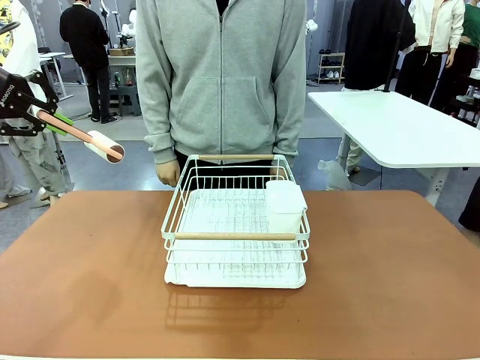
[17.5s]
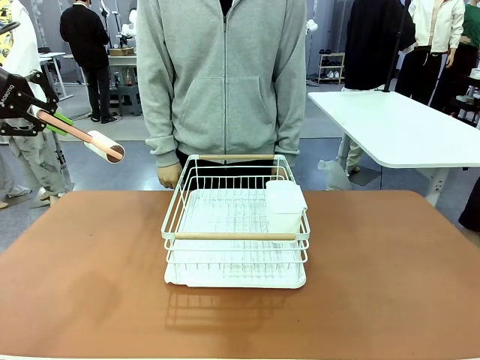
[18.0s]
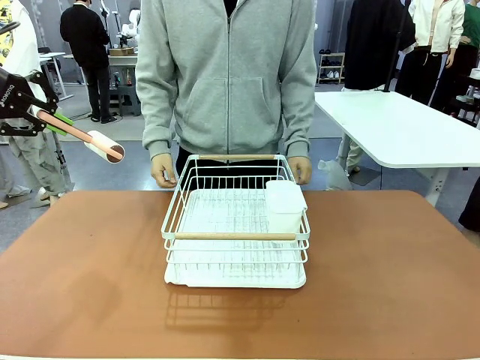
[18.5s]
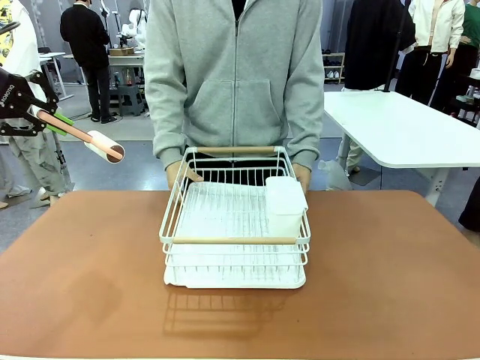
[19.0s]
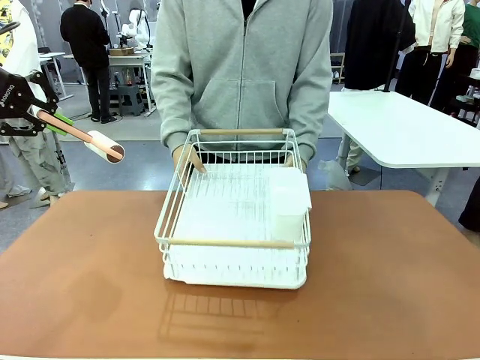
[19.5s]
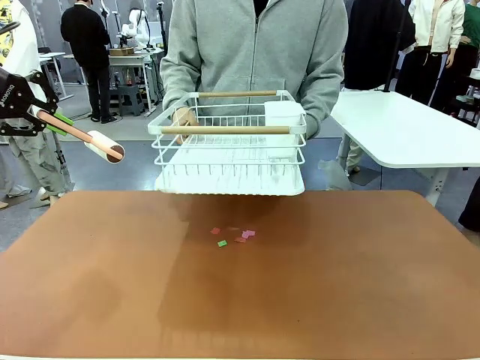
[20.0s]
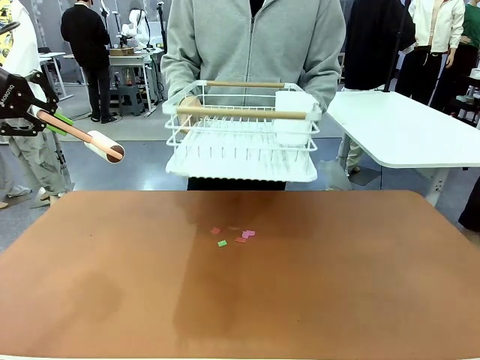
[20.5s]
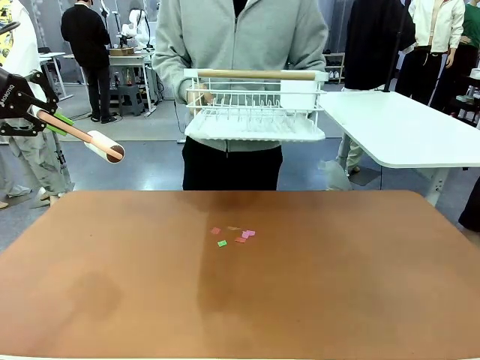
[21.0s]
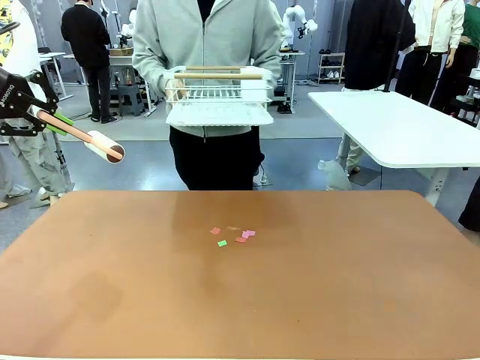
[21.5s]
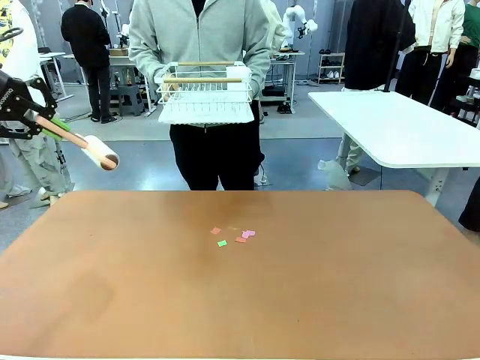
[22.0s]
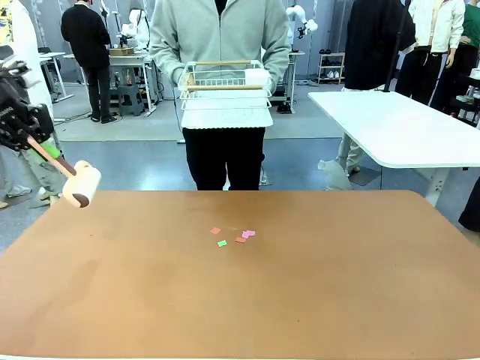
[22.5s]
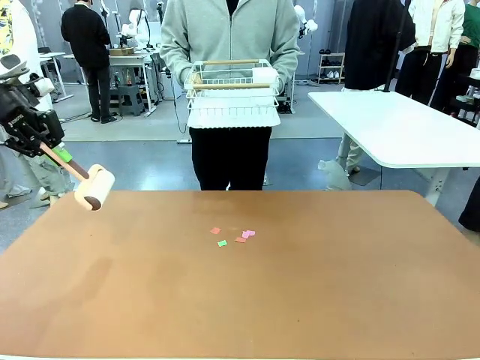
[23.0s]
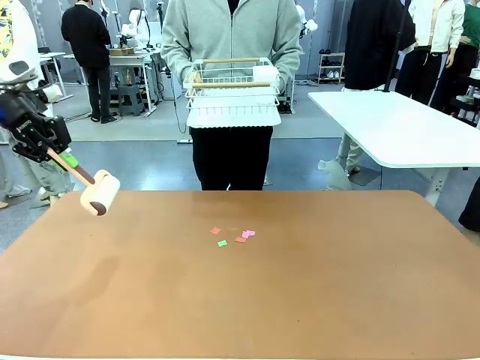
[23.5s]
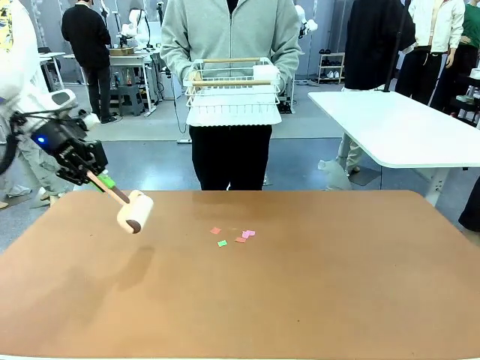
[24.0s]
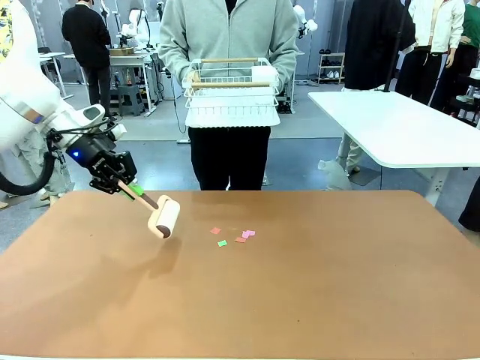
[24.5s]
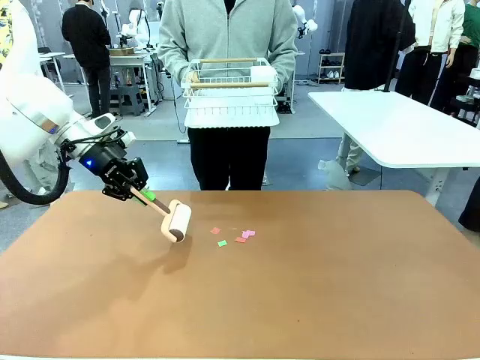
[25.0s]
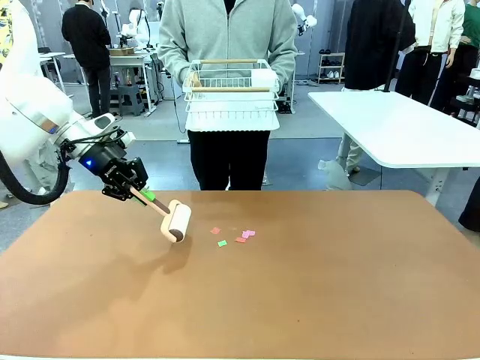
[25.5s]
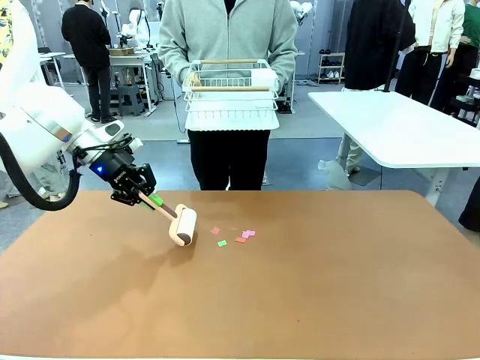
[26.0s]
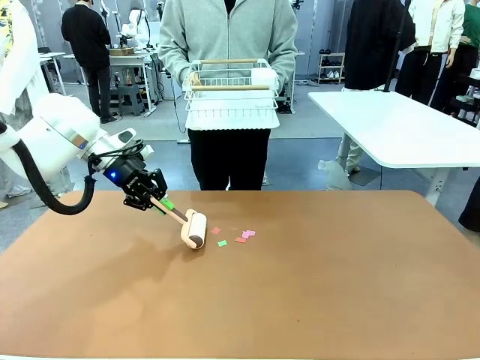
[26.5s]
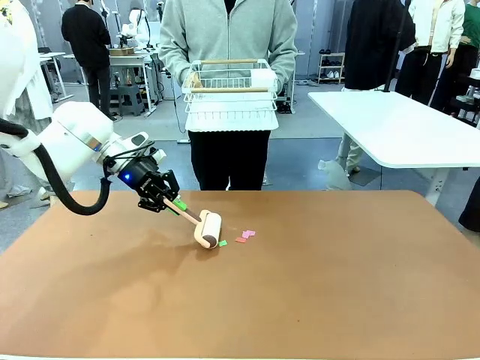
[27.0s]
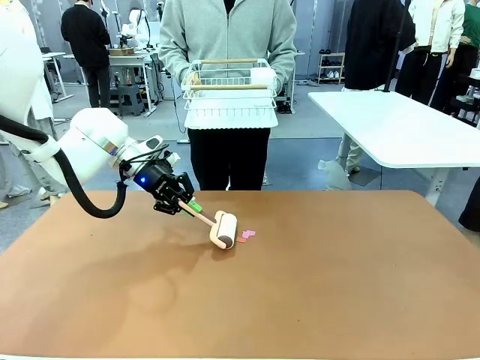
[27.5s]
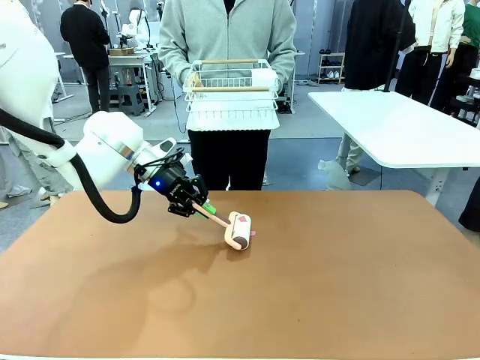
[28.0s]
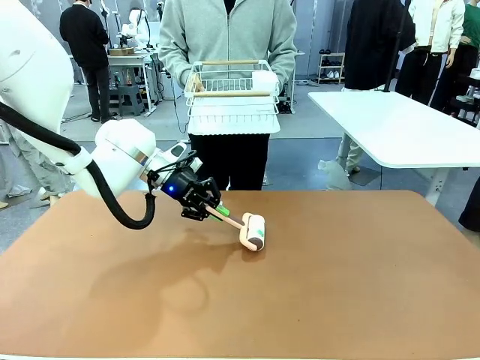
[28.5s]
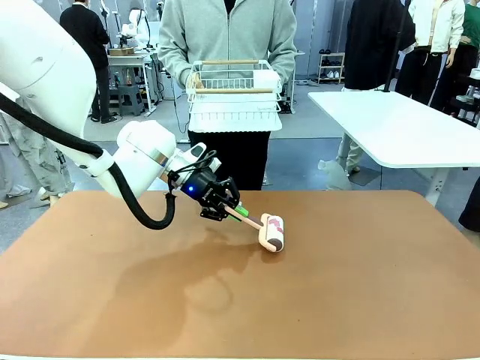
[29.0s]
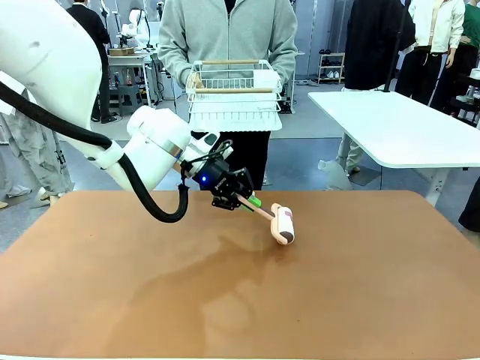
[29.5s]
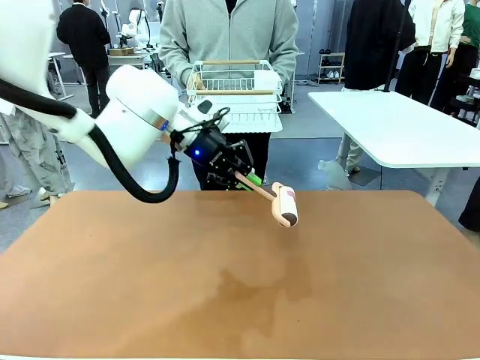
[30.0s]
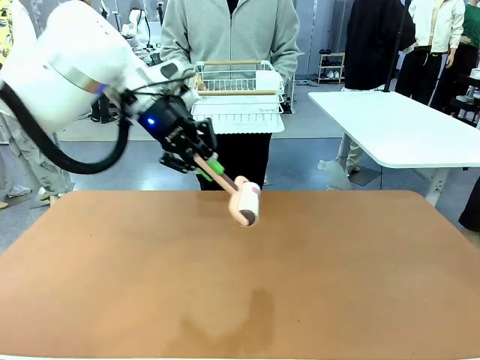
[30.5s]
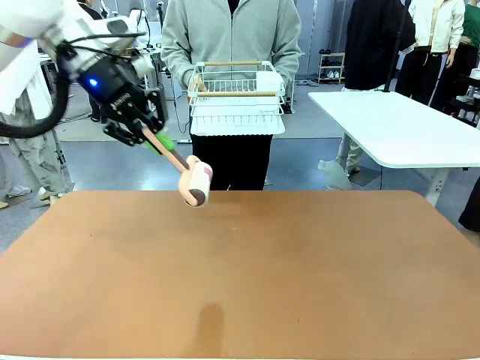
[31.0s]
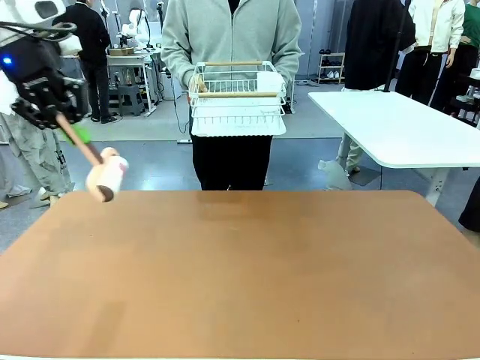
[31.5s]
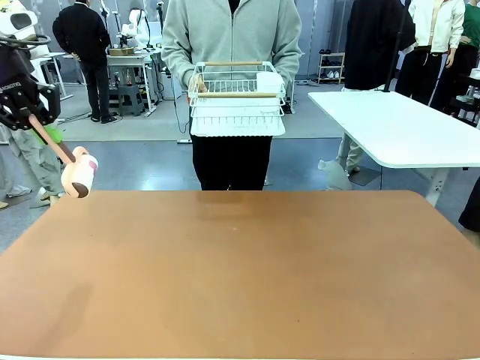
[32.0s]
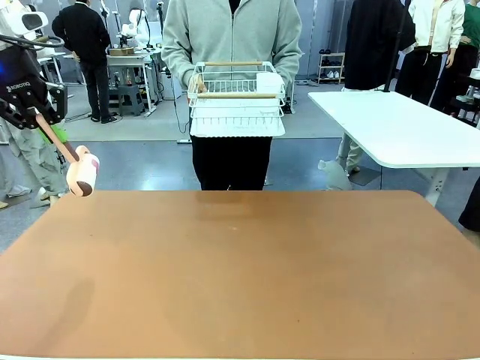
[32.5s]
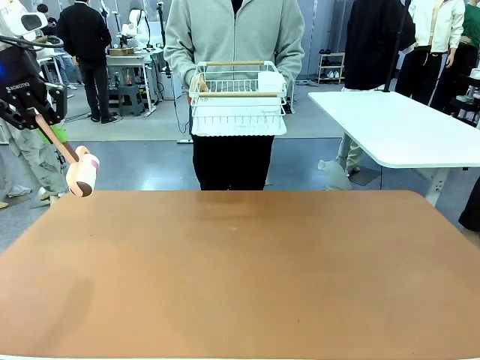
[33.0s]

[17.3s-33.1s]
Task: Clean the table.
Robot: Clean the table with the Lint Roller when the human lifts the Dish drying rack.
Person: Place the Dish drying rack down when the robot finishes cleaning.

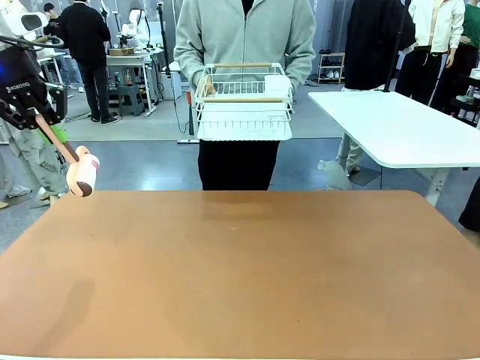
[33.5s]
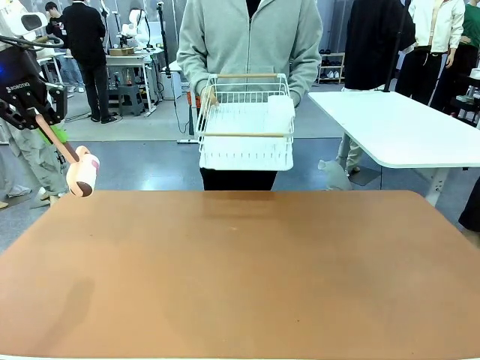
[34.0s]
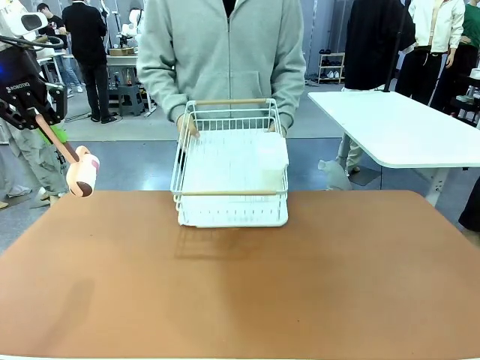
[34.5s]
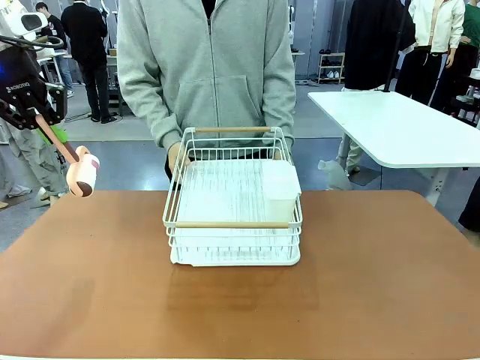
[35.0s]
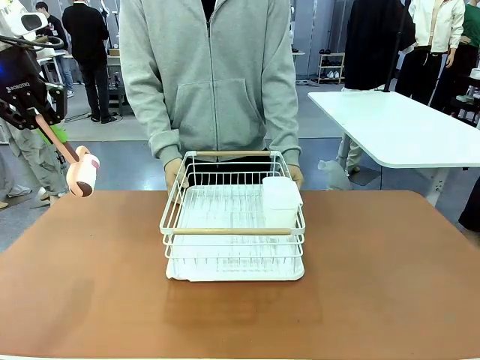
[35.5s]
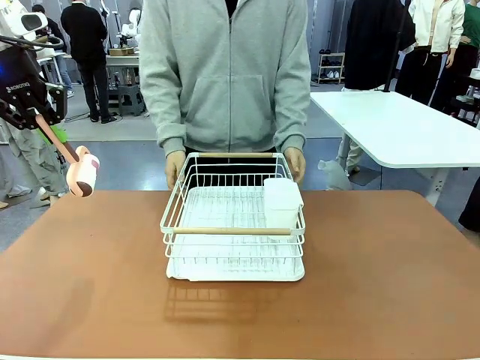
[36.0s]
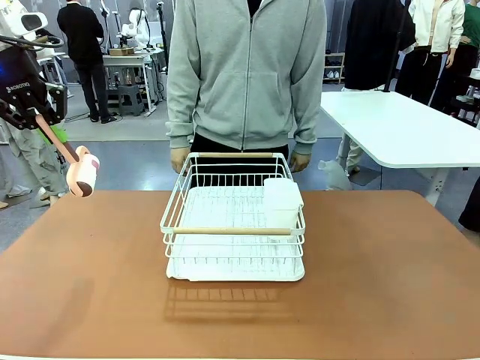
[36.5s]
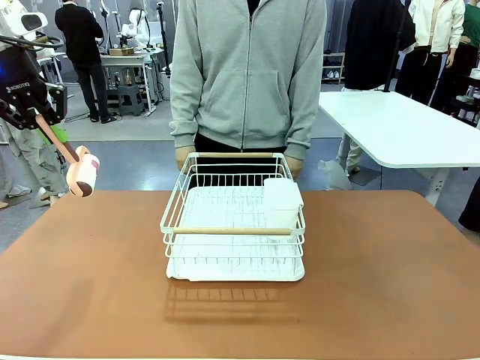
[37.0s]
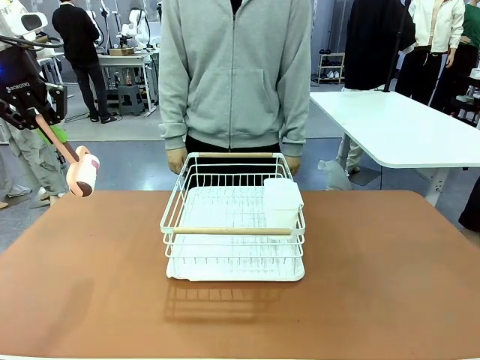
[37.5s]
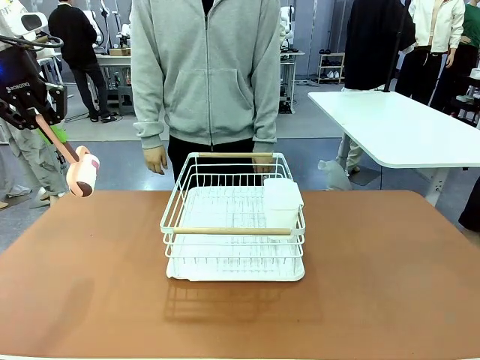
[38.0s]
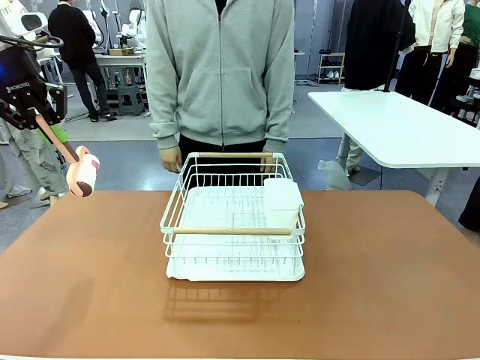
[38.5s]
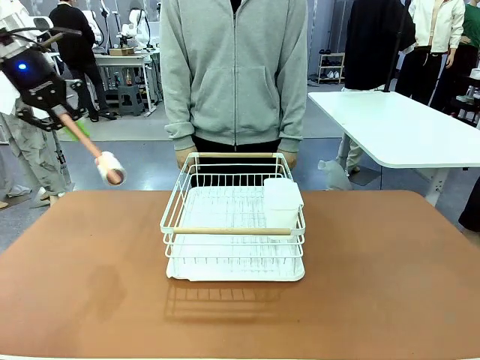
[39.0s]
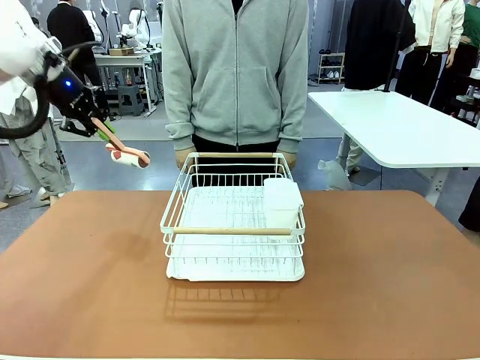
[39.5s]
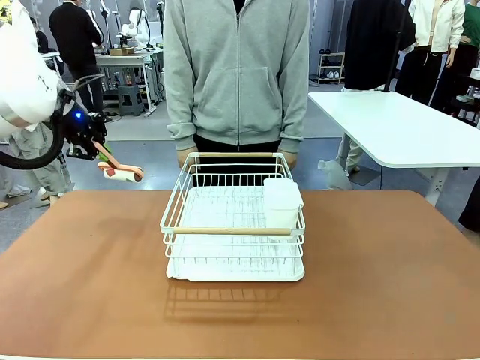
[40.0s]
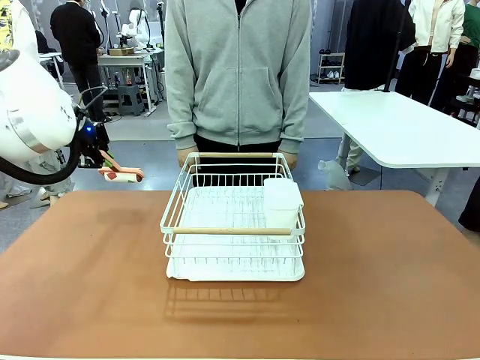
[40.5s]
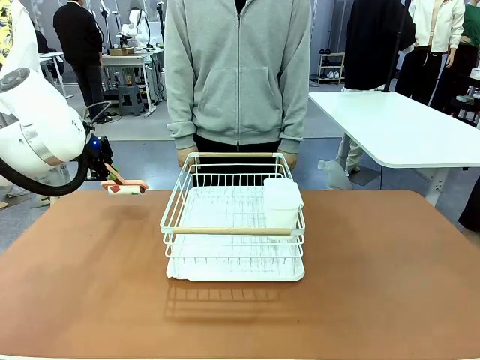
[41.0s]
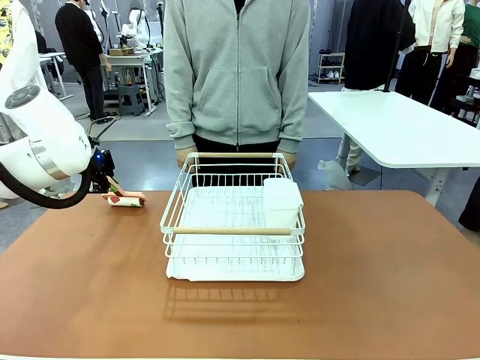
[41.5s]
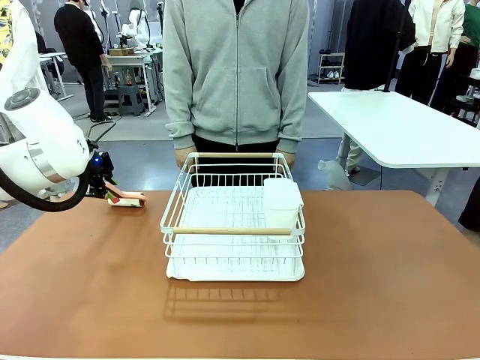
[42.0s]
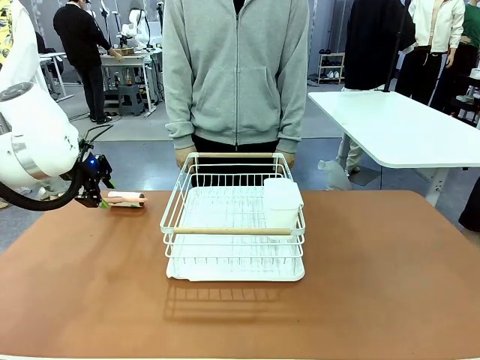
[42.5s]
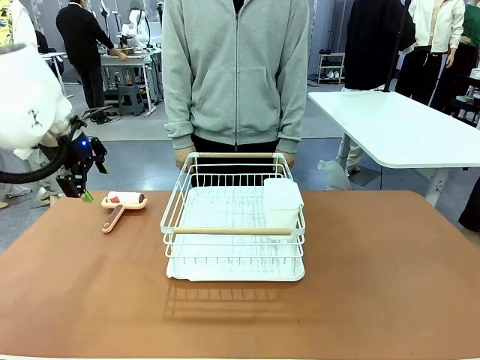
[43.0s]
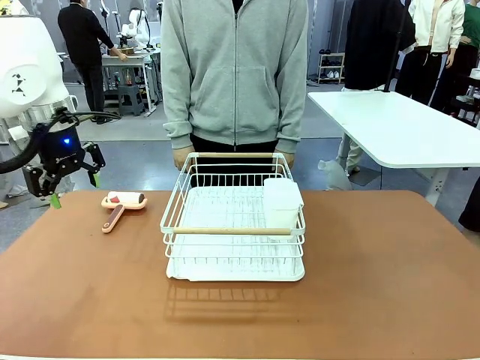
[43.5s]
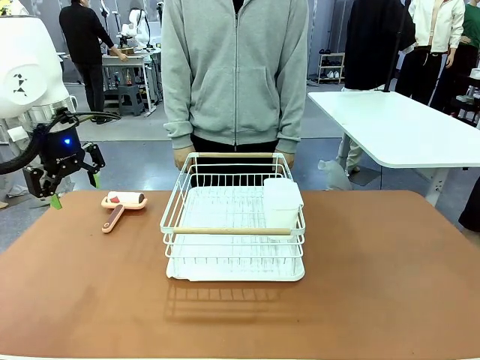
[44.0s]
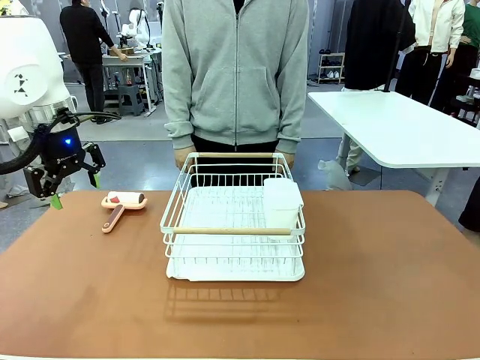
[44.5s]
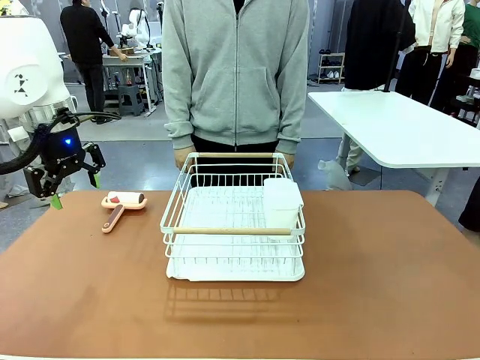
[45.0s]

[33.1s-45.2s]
Robot: Place the Lint Roller down when the Dish drying rack is positioned in the middle of the table.
